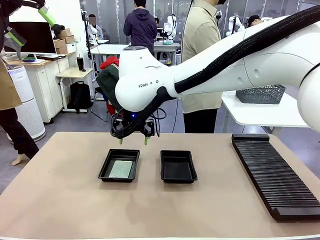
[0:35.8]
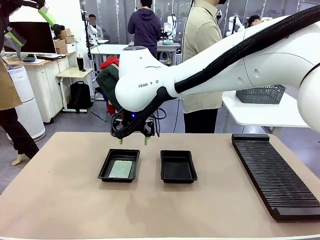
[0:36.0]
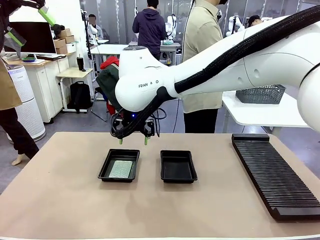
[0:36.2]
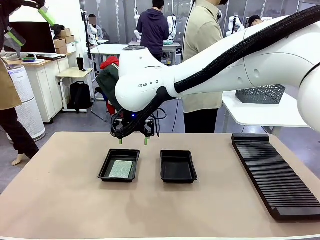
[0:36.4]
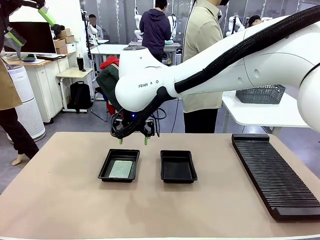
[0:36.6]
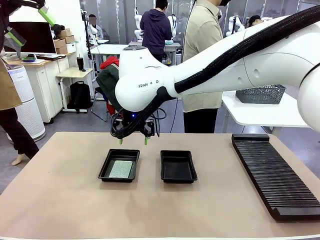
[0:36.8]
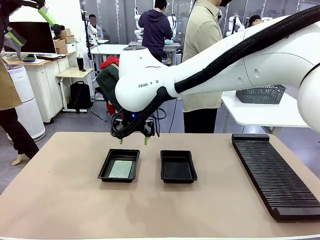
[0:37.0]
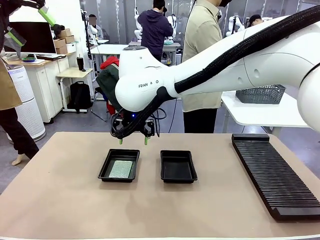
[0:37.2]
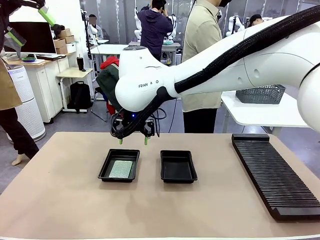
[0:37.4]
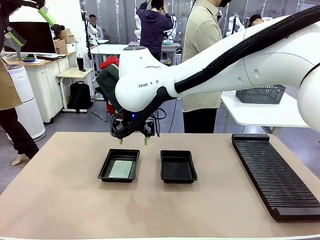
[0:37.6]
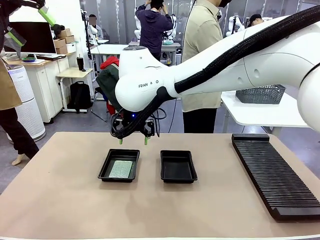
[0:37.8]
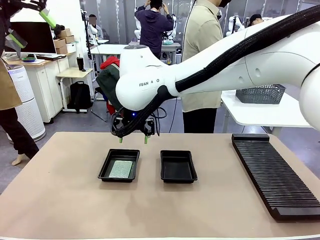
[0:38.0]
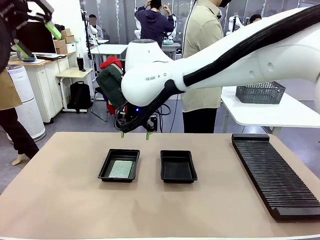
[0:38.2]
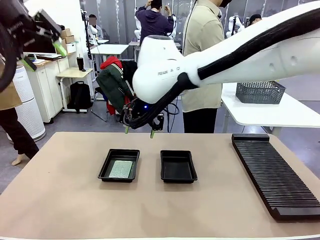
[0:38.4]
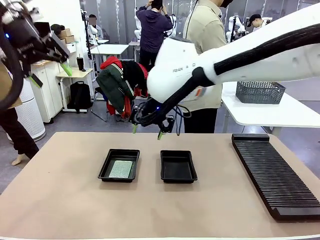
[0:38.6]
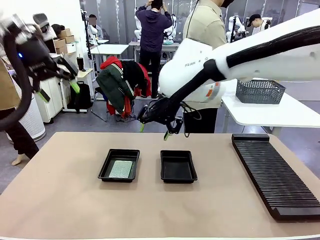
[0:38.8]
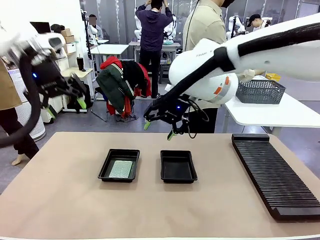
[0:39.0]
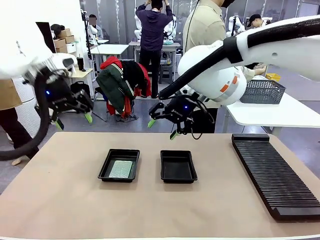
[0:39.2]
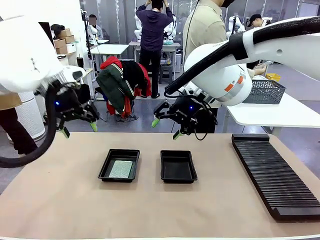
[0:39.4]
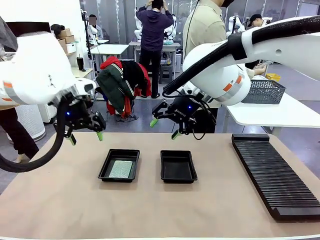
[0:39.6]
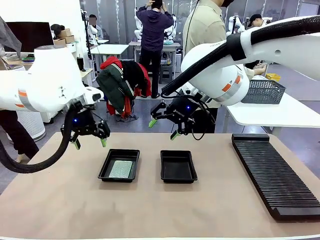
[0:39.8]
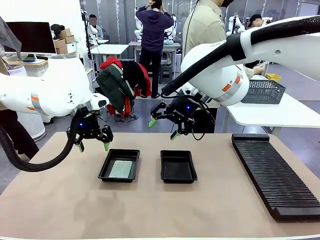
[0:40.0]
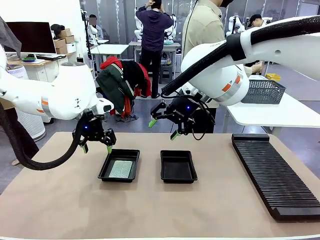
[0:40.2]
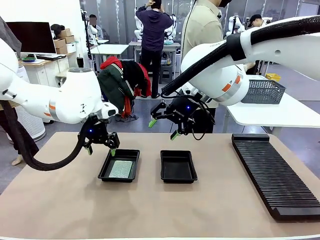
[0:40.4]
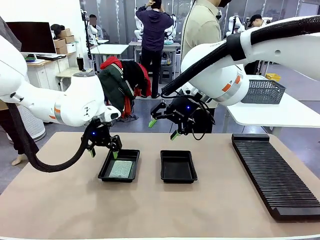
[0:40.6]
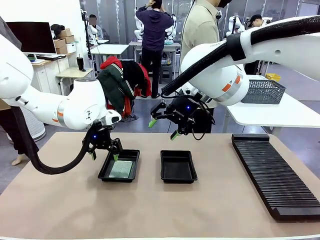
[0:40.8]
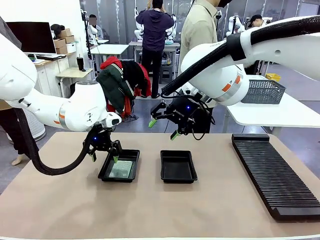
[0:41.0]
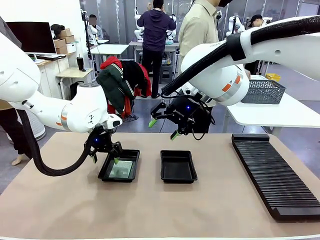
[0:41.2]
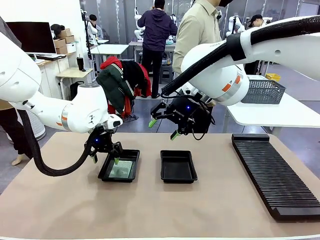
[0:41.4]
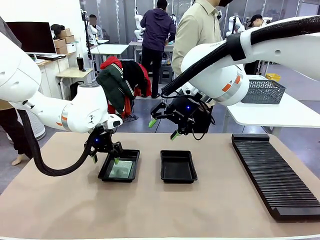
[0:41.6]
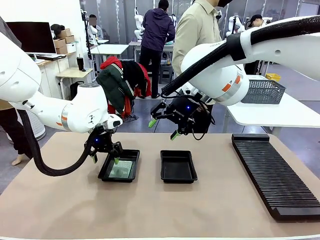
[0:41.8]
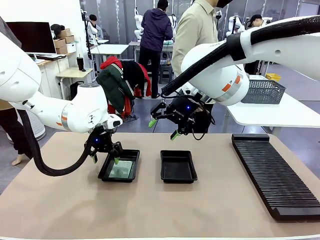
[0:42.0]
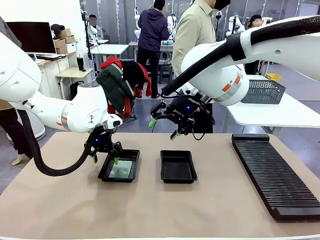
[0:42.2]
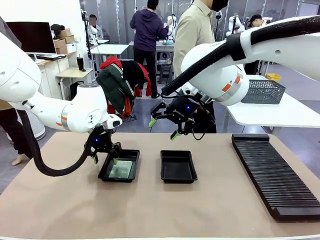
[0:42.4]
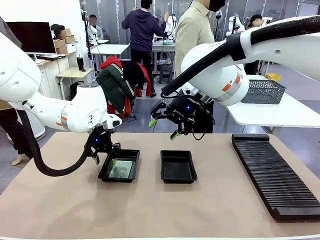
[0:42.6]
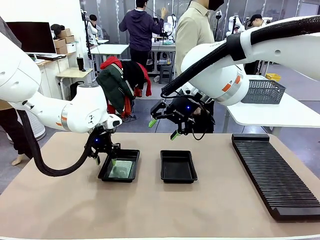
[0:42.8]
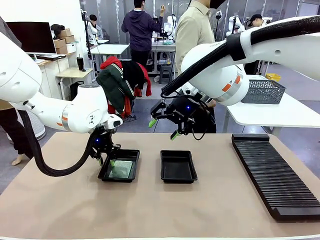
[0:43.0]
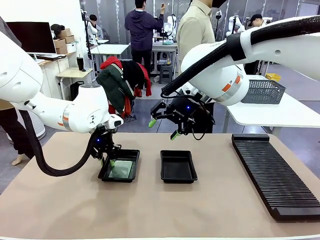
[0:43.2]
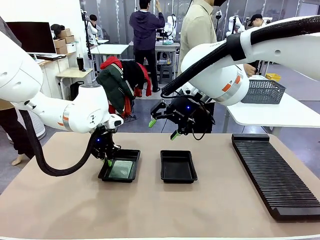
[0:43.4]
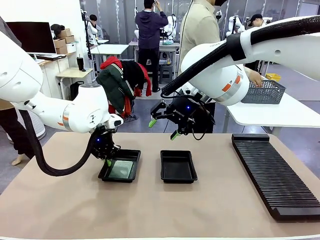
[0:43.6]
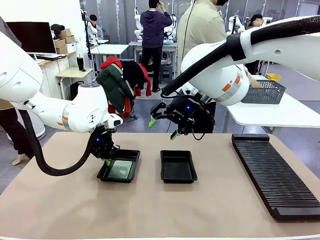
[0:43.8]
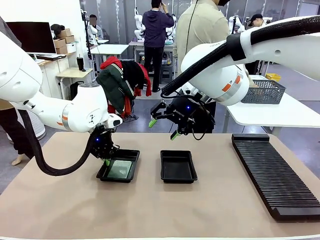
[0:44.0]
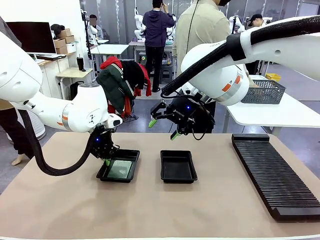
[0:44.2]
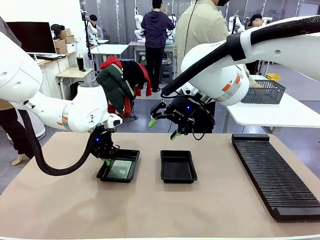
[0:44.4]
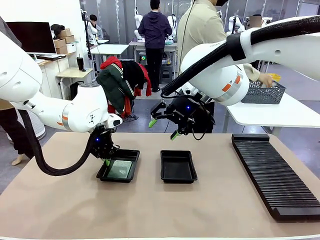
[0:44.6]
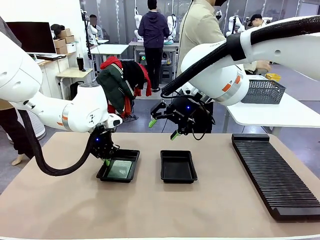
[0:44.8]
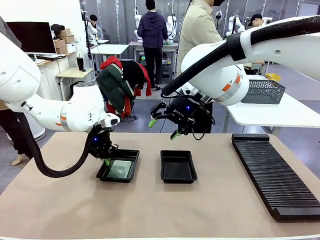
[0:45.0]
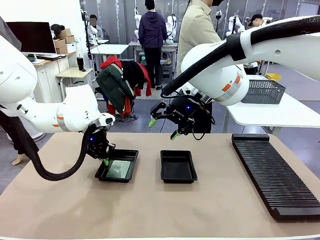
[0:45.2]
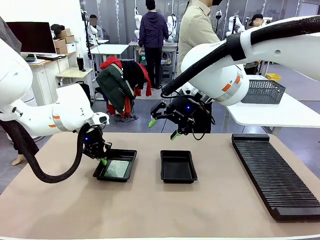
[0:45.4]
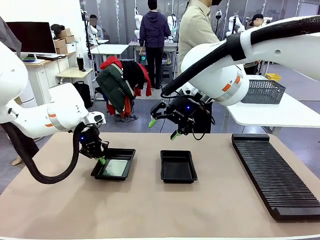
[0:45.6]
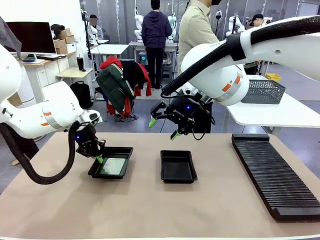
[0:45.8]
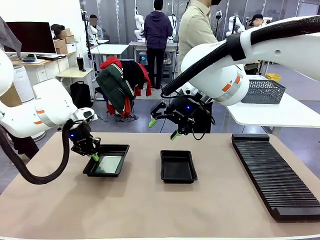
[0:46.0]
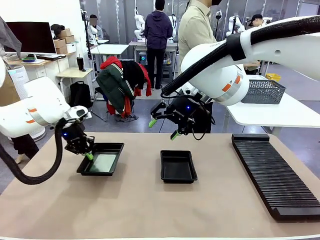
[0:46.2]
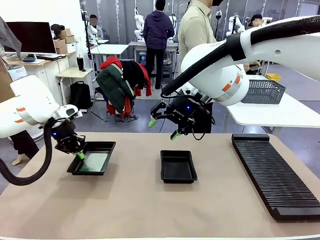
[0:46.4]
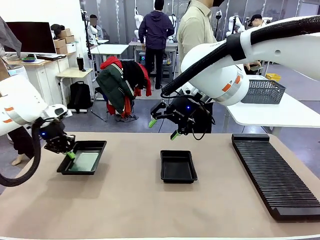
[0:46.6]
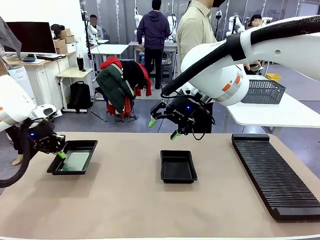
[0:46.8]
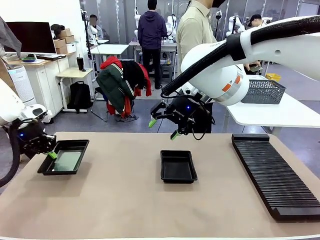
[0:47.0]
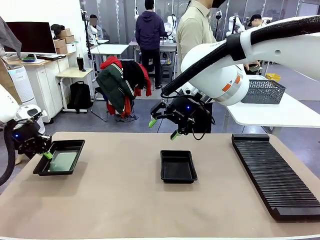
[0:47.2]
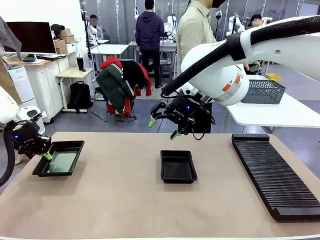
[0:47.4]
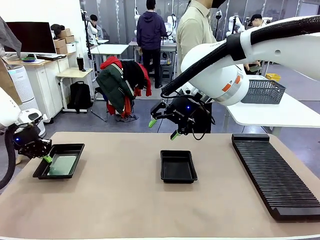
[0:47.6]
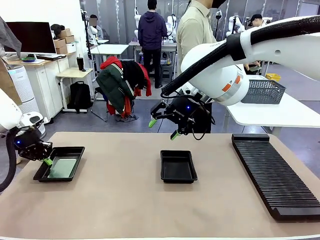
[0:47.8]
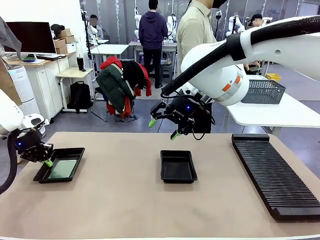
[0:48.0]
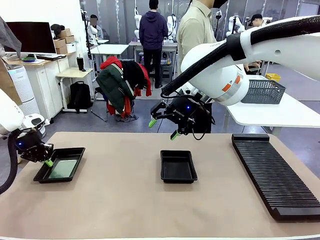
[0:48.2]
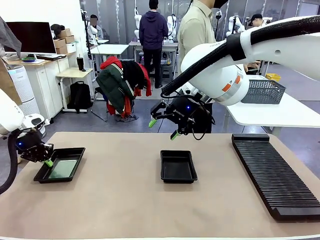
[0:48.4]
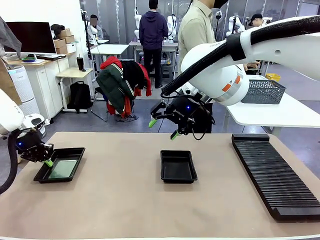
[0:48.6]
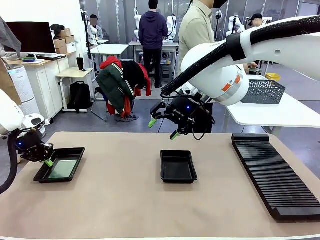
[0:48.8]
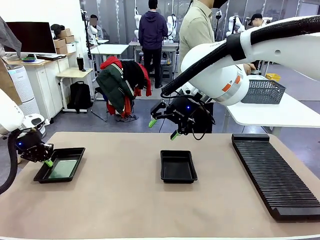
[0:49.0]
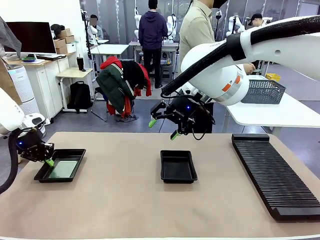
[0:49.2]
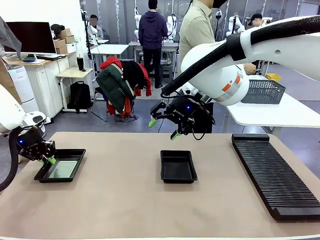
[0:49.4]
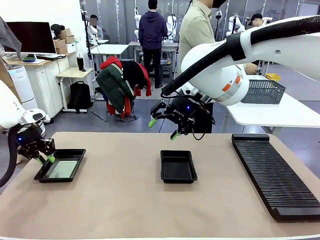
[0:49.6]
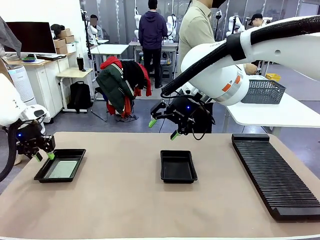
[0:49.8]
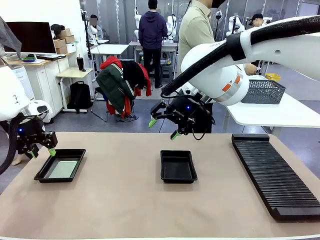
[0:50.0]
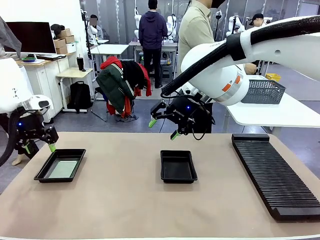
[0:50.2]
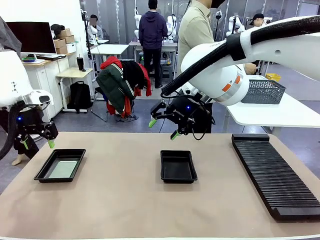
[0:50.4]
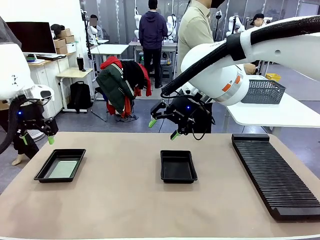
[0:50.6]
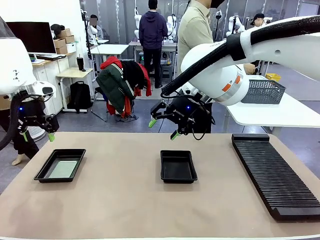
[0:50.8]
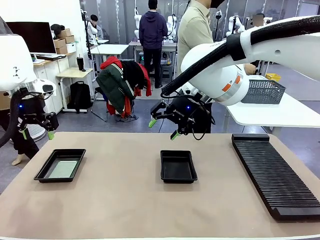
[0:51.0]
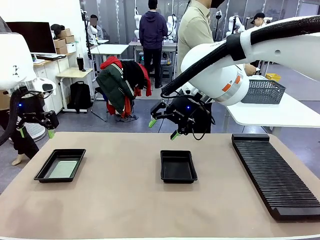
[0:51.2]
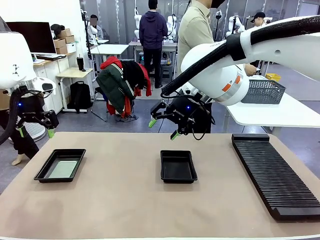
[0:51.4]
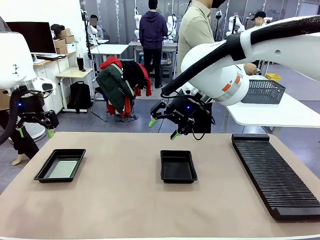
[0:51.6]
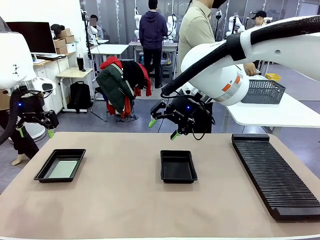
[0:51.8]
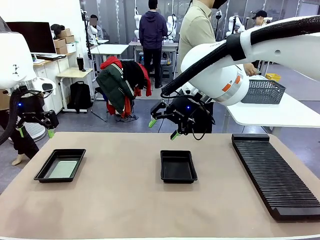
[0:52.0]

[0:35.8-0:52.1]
Task: Inspect and transfer BCBs to ESD trays.
Robot: Pick up the ESD tray and place it on the left side of the table.

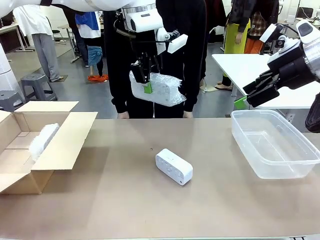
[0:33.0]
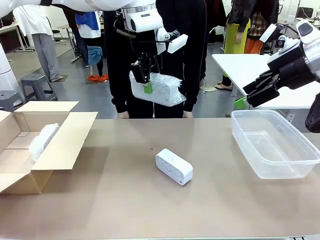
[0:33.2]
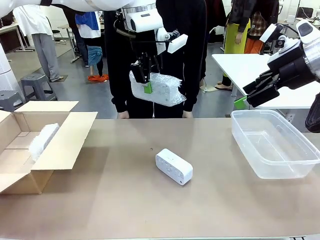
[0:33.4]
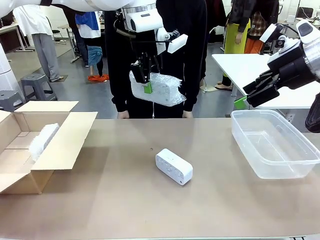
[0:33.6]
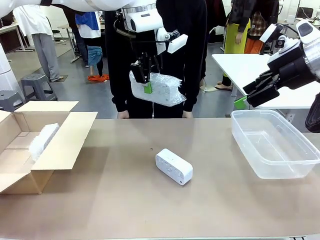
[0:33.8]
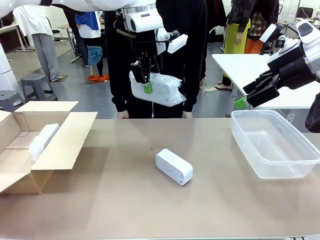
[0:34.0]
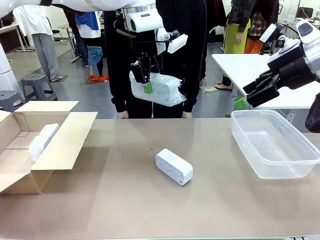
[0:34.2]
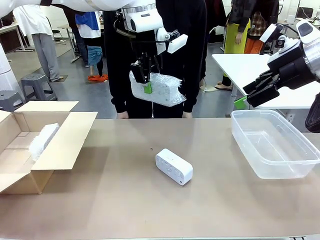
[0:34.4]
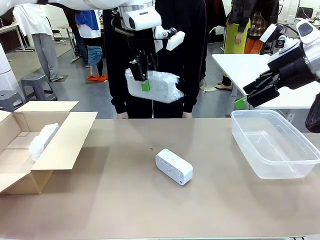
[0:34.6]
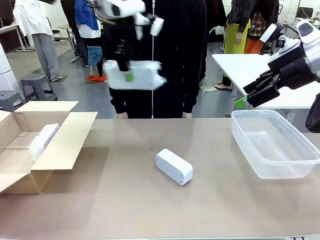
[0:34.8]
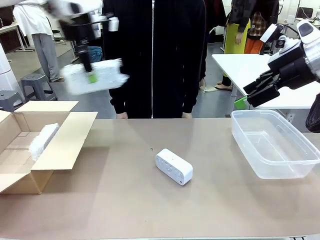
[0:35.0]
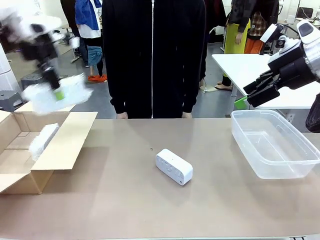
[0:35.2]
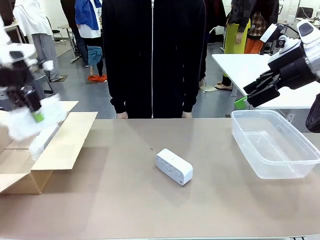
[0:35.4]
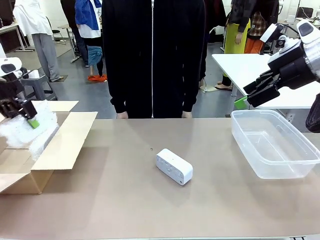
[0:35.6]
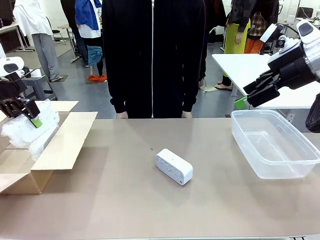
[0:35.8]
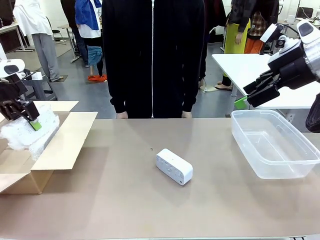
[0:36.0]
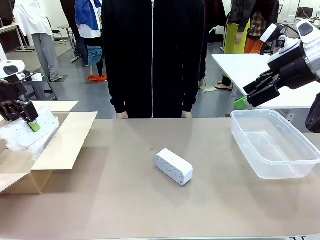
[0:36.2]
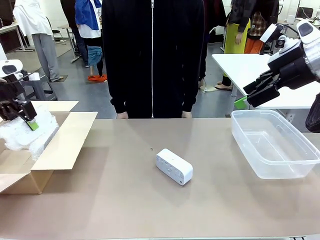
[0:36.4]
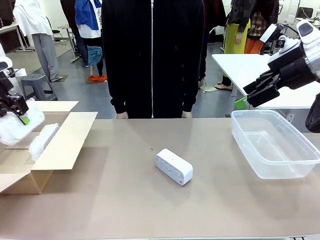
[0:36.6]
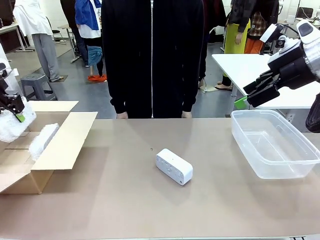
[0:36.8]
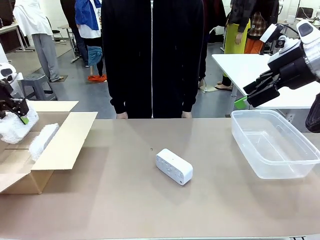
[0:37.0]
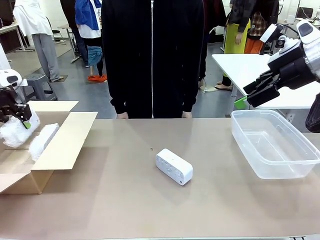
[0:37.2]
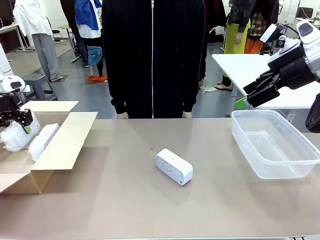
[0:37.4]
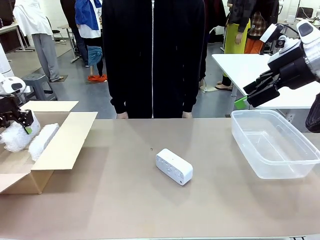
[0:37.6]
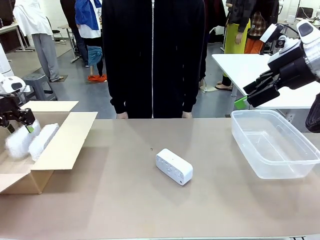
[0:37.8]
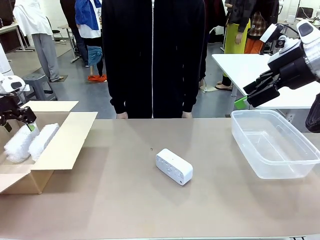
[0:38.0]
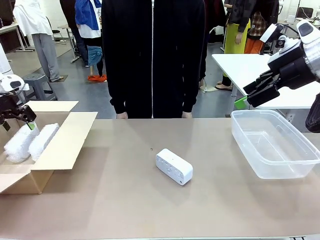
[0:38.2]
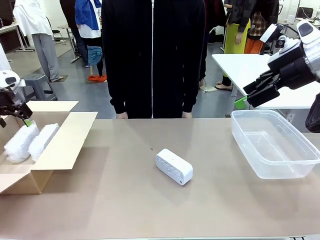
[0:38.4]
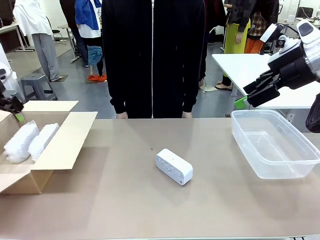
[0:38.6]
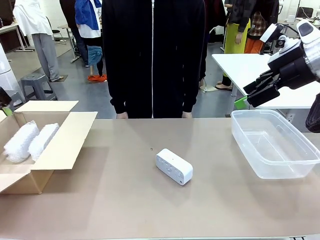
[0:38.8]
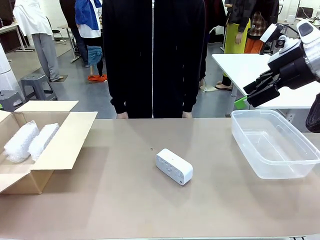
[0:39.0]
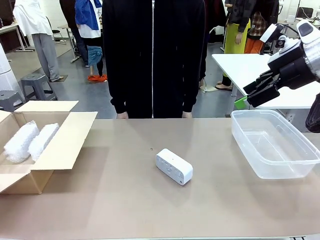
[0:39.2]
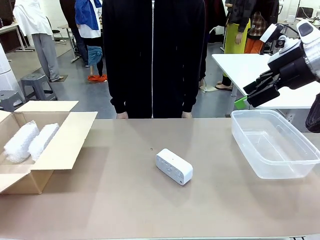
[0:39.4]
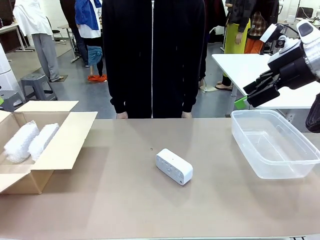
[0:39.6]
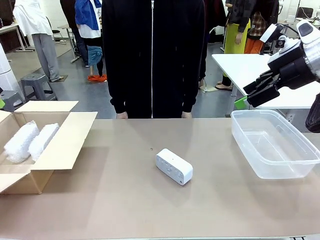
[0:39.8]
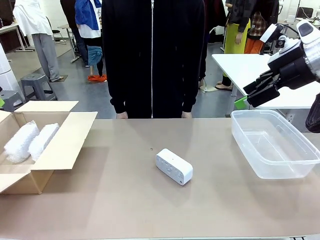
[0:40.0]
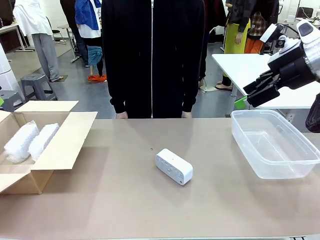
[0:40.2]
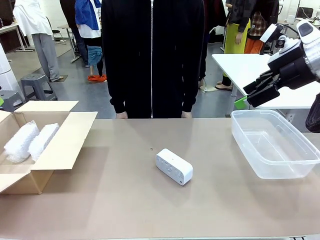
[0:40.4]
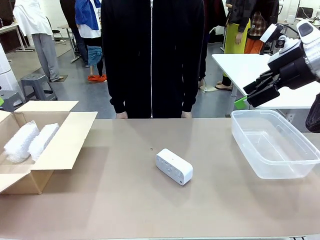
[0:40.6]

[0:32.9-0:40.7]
Task: Separate and place wrapped and unwrapped clocks.
Robot: If the picked Digital clock is wrapped, place it in the Package Box ; if not, place it in the Organizing box.
